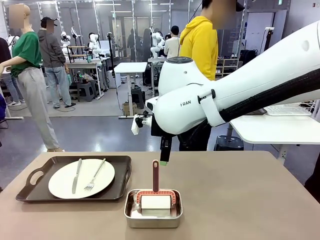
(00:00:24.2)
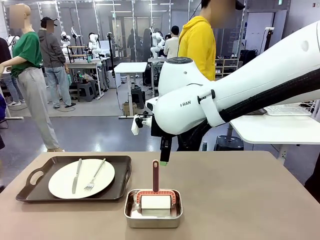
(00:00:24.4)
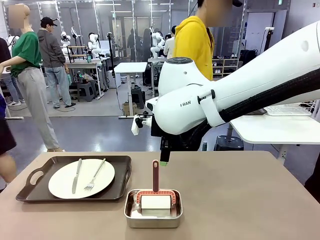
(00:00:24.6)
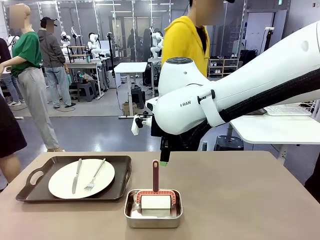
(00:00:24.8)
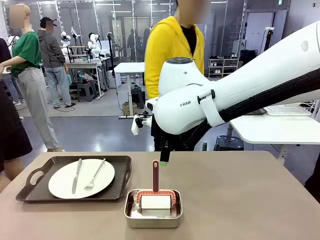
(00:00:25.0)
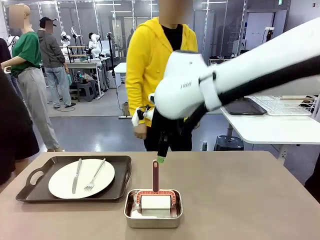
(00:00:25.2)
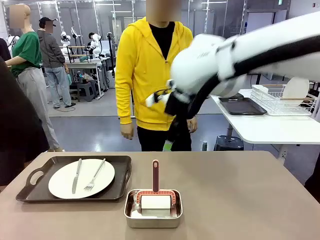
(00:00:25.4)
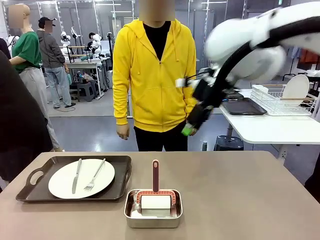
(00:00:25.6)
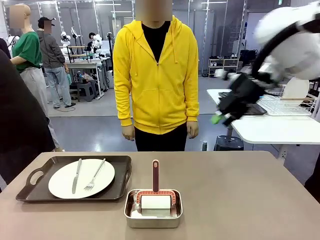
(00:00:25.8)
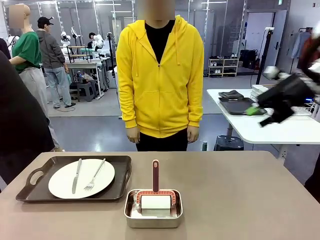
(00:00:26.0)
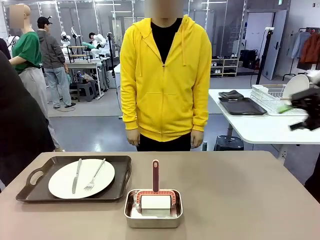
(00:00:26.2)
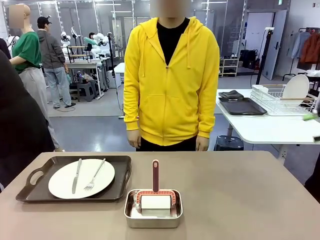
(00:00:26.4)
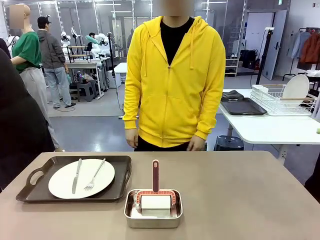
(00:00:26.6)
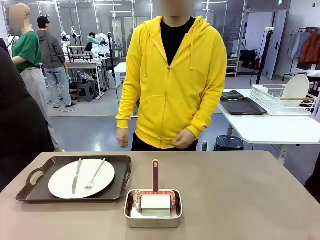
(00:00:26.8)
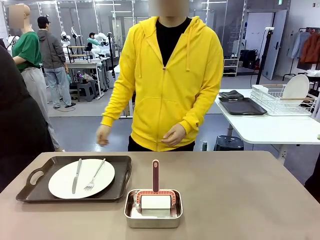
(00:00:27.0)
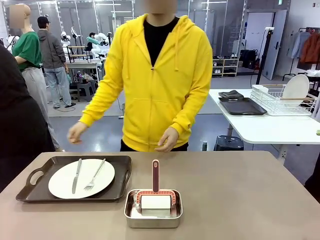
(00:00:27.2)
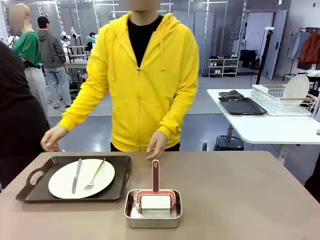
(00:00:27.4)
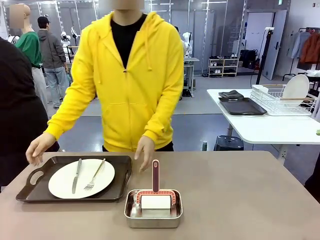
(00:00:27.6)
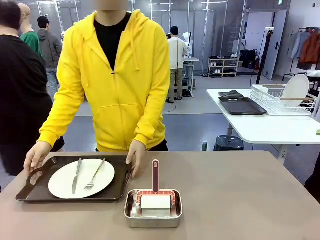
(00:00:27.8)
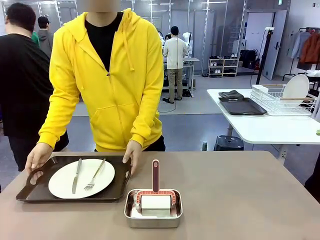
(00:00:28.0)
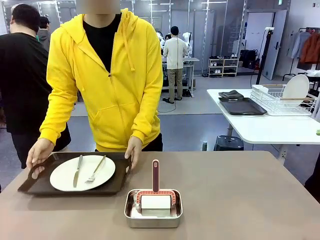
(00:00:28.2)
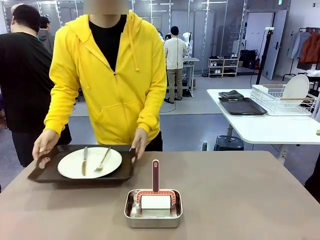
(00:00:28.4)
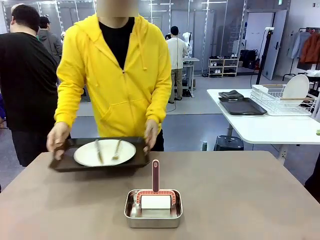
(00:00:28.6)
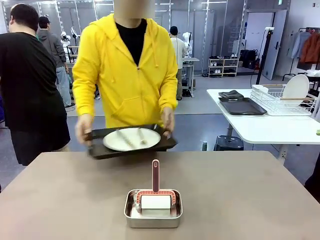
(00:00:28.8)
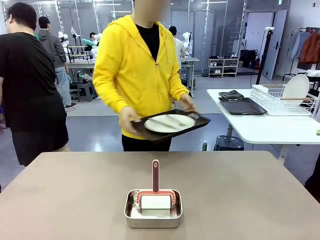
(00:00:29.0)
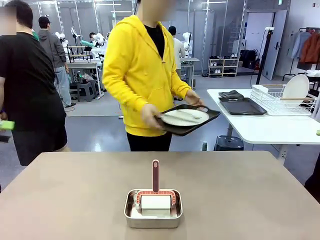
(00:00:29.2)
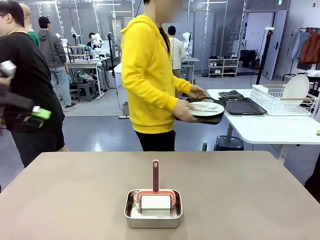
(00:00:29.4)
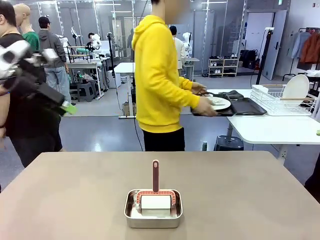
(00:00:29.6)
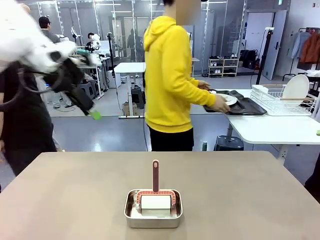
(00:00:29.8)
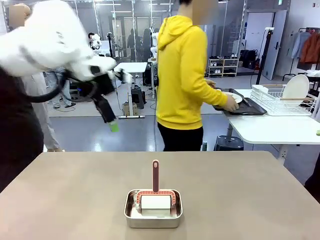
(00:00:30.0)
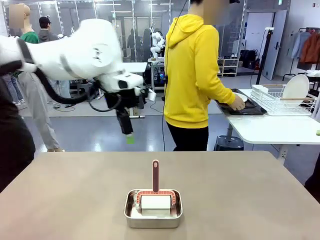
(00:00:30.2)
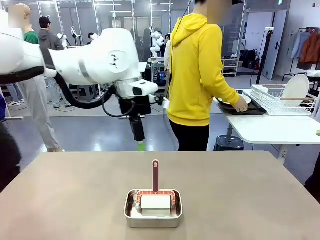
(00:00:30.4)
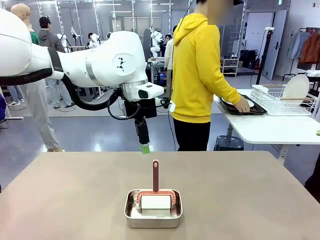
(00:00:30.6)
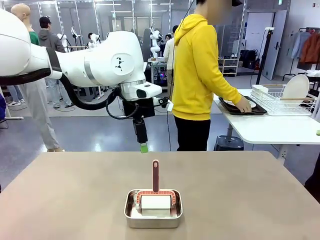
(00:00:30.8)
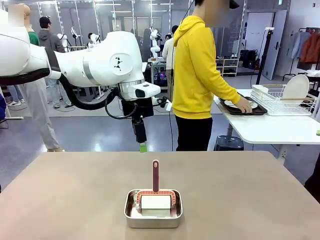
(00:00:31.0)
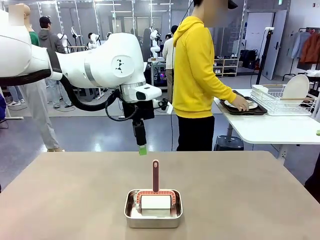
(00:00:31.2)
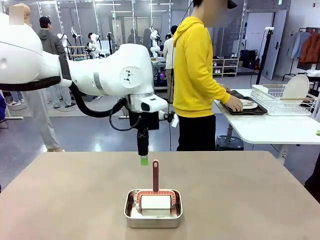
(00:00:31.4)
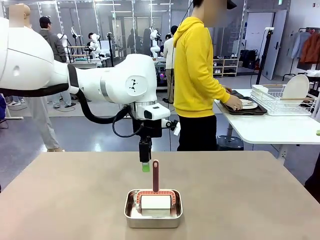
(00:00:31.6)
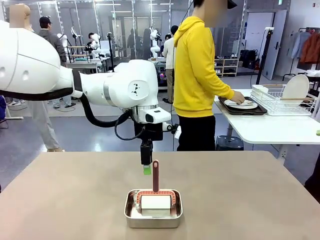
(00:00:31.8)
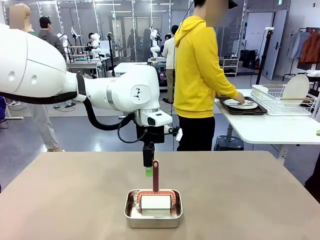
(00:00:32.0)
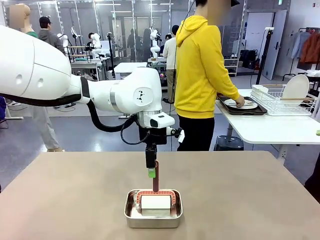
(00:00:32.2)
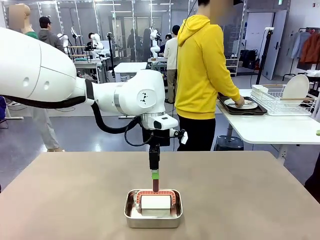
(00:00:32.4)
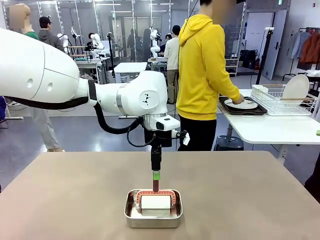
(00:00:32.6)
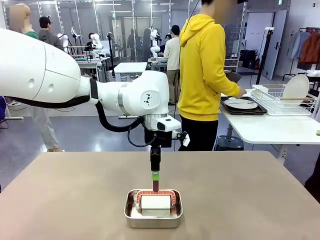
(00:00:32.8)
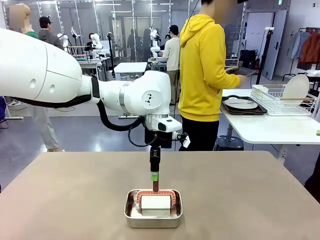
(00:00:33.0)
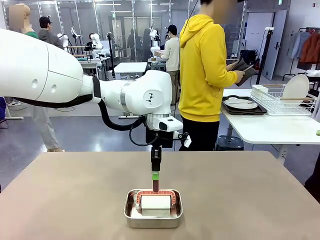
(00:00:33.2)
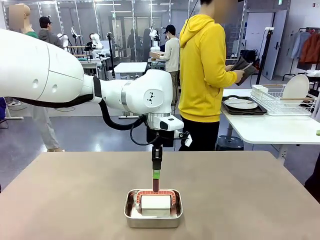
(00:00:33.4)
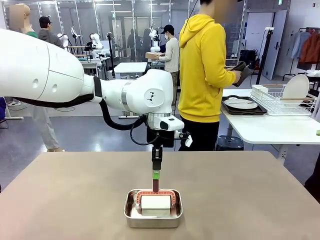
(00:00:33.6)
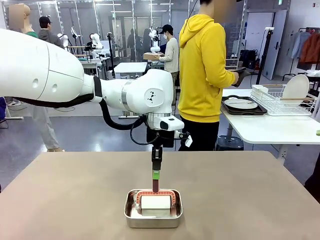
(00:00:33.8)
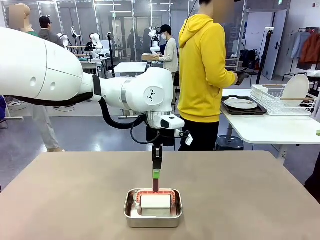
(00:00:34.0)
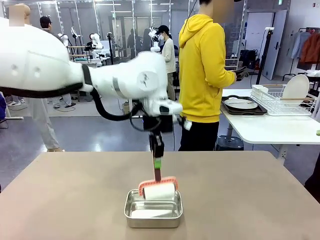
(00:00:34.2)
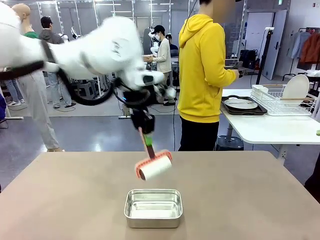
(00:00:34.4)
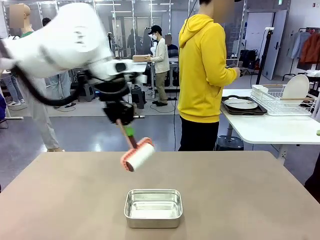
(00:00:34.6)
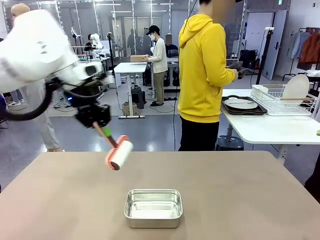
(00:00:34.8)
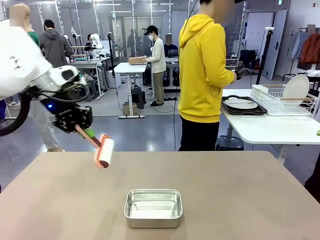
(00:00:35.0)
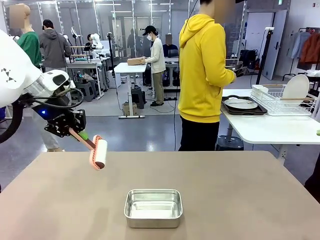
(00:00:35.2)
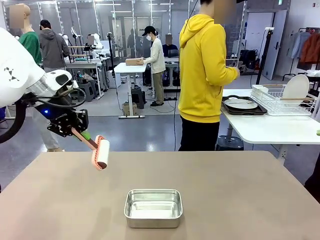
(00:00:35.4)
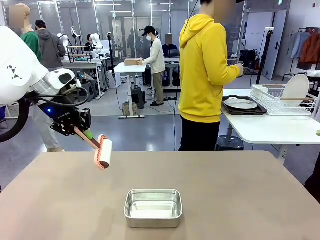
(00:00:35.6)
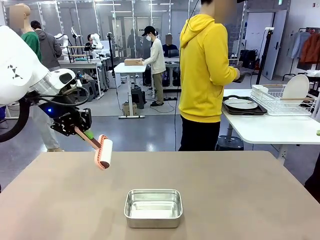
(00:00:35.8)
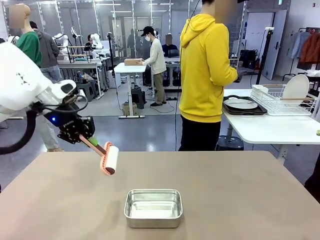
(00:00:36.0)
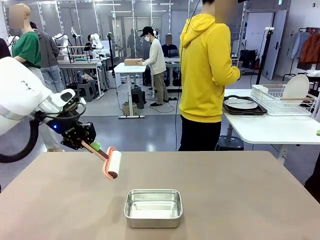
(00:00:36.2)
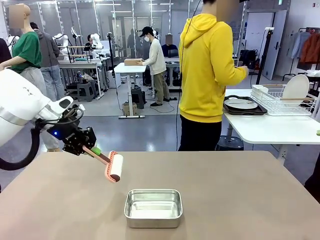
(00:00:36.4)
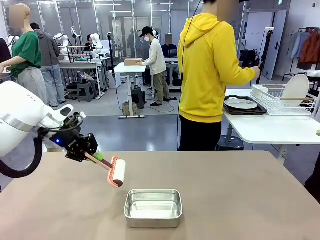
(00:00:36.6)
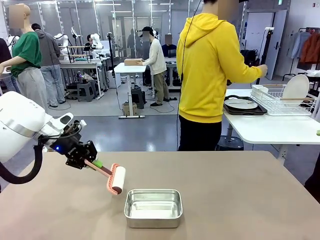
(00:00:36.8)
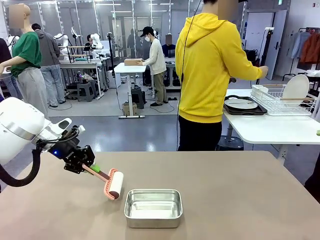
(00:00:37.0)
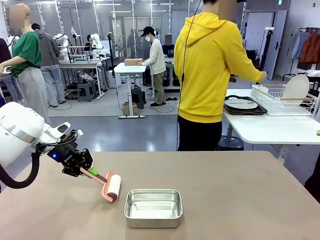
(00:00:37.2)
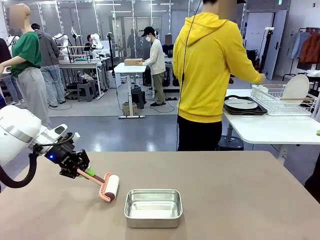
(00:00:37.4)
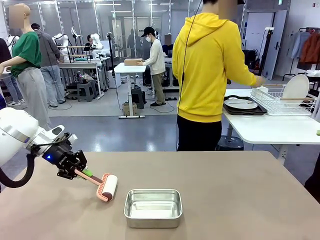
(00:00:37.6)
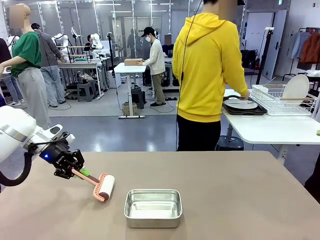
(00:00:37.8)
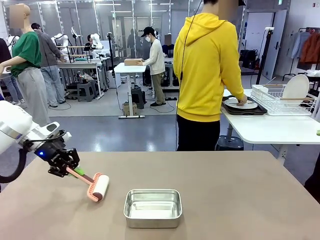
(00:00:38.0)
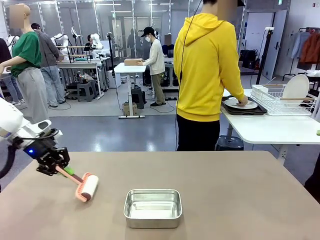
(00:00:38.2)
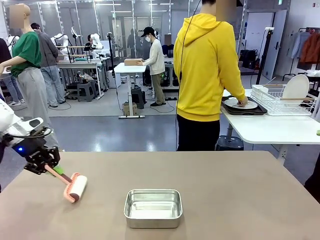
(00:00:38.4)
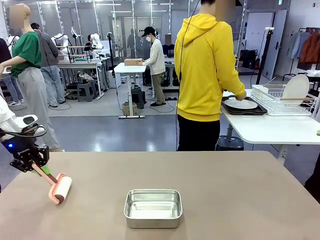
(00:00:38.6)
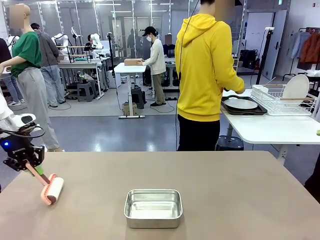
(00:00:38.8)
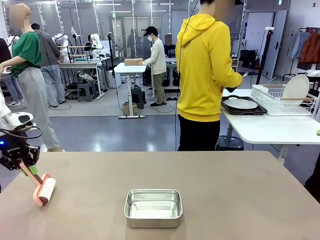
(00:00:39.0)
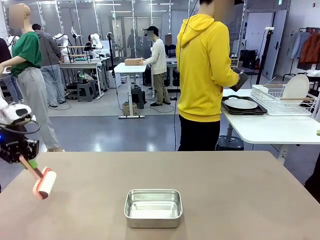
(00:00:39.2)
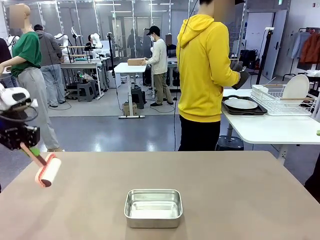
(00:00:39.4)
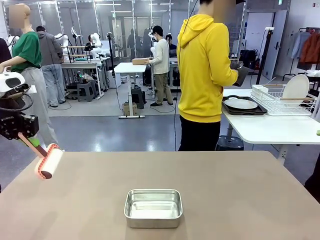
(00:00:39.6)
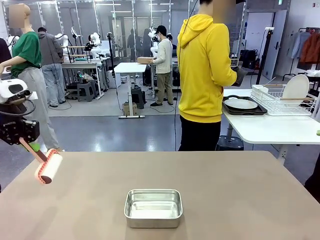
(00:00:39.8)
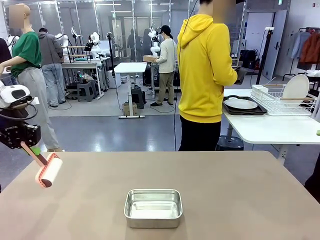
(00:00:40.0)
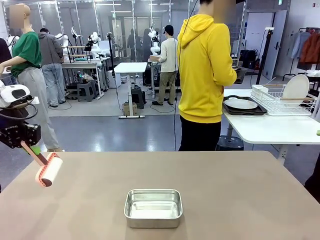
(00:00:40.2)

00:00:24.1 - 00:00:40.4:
Robot: When the right (or left) Handle tray is removed, use the right hand (or left hand) to clean the right (or left) side of the table with the Lint Roller.
Person: Pick up the left (or right) Handle tray and place it on the Handle tray.

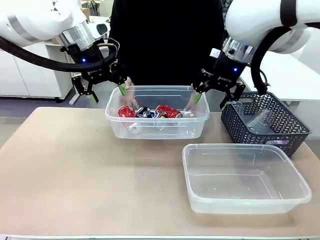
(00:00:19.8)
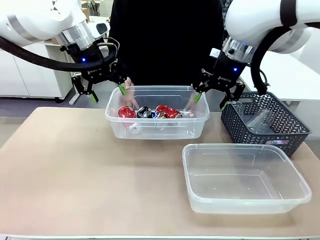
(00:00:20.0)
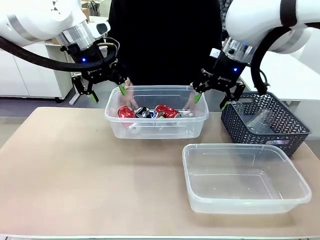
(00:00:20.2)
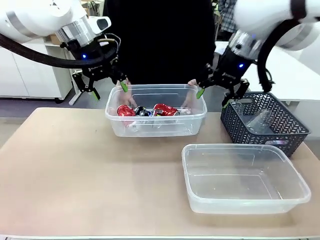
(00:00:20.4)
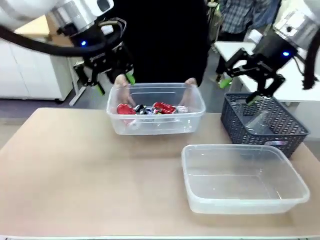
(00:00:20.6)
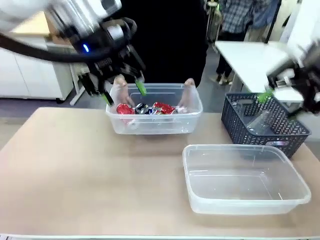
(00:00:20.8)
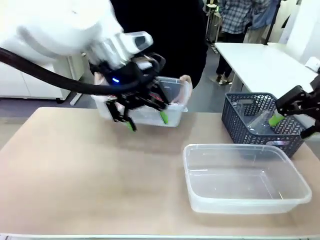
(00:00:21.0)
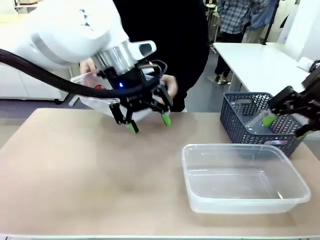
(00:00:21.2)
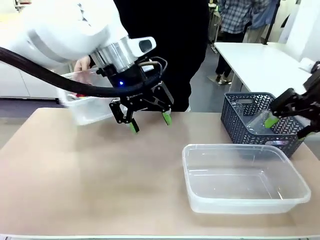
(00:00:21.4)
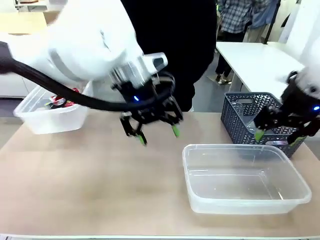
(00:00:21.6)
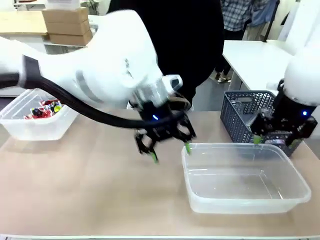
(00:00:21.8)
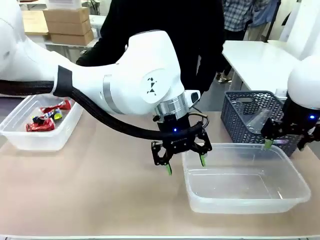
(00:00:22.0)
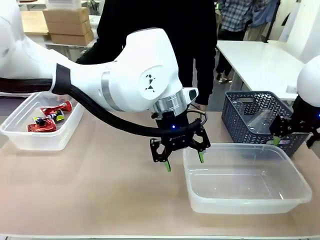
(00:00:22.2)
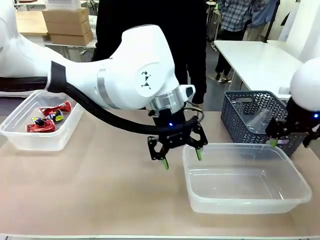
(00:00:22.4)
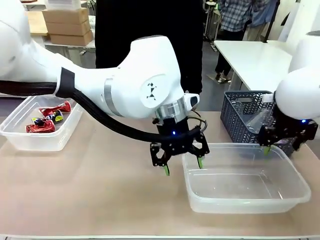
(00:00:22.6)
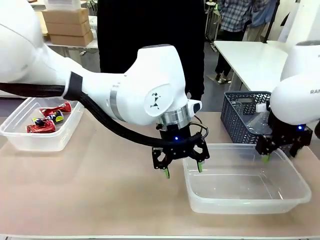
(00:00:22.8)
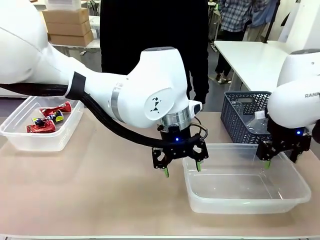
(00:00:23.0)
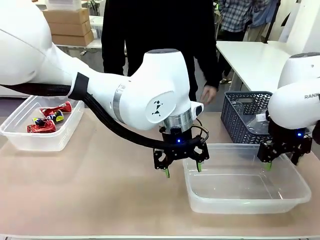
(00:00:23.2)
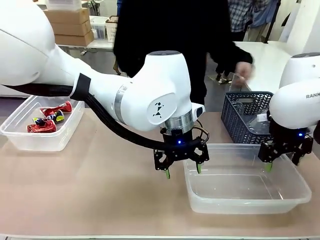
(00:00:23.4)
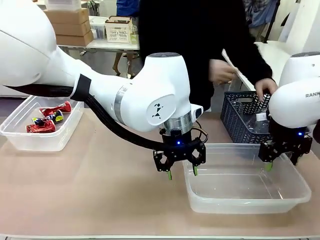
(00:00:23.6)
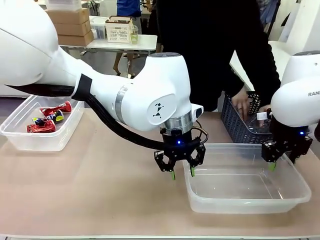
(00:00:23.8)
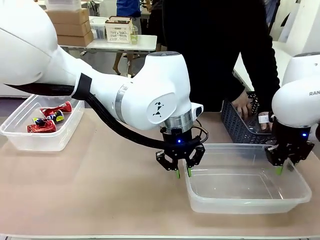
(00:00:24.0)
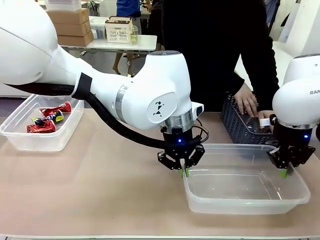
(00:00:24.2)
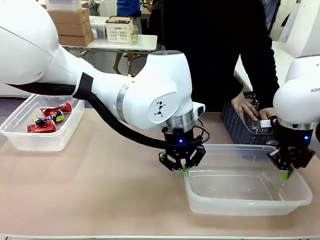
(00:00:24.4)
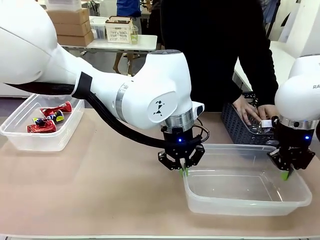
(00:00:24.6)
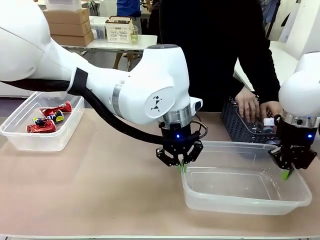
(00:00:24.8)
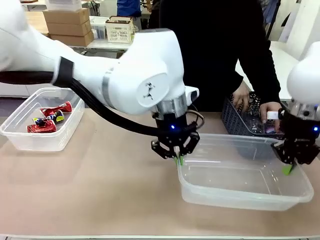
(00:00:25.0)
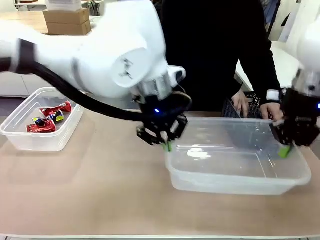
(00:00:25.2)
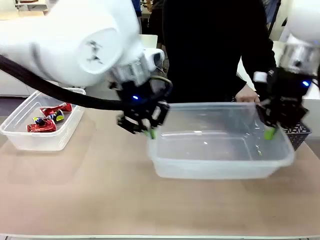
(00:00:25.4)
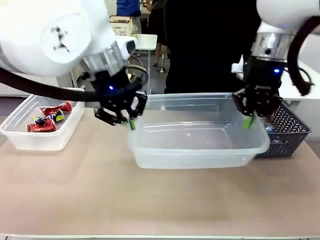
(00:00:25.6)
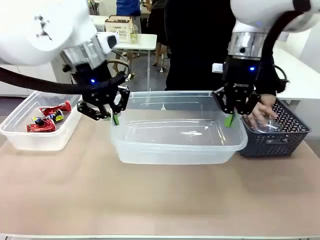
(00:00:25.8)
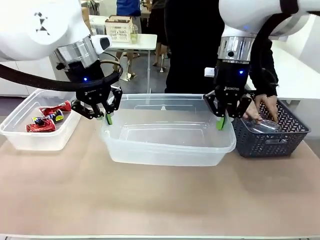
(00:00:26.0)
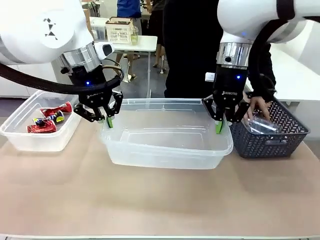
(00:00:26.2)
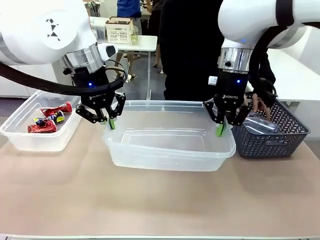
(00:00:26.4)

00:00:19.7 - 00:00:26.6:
Robot: Pick up the Organizing box on the right side of the table and lift it.
Person: Place it at the edge of the bottom right area of the robot table.

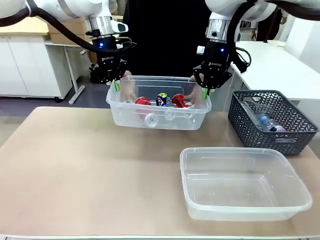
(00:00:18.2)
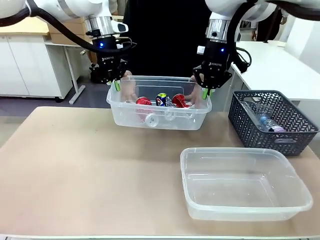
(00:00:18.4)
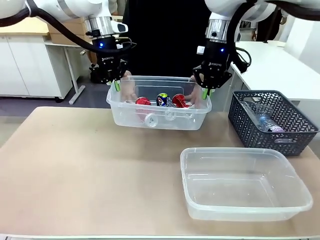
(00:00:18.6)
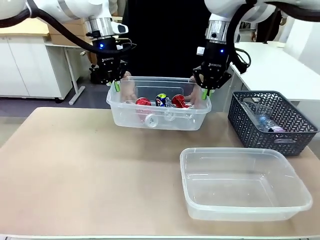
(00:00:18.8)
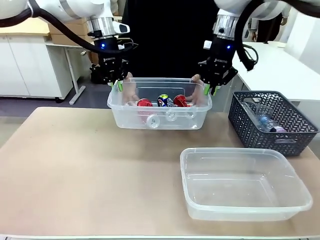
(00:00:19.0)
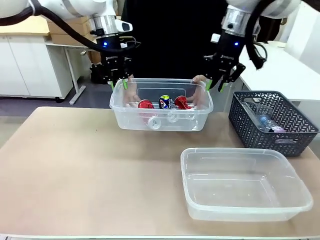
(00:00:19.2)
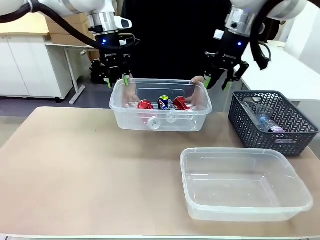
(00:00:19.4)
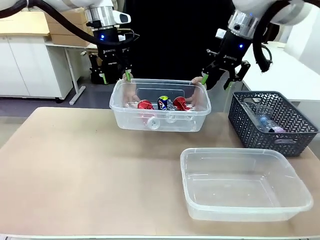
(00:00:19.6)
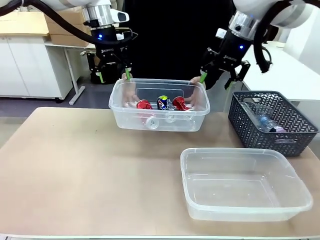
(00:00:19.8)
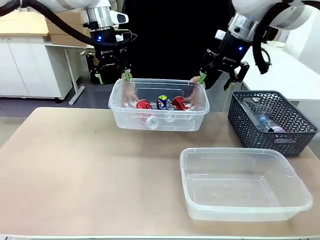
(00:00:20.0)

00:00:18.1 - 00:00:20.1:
Robot: Release the Organizing box you were holding.
